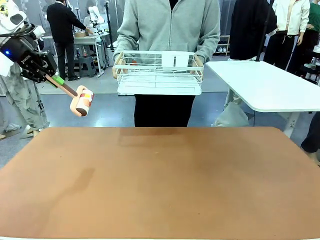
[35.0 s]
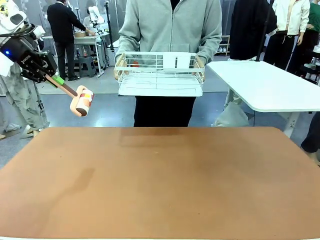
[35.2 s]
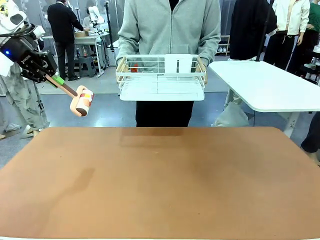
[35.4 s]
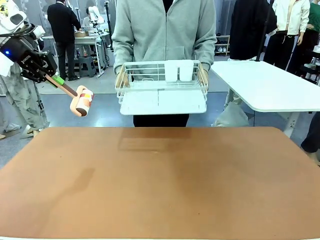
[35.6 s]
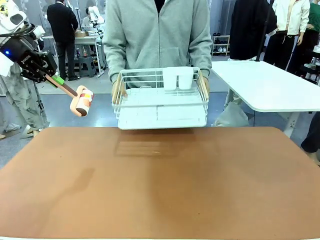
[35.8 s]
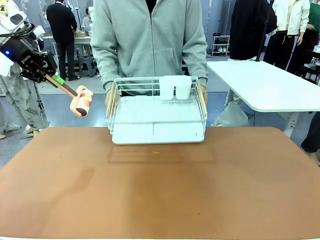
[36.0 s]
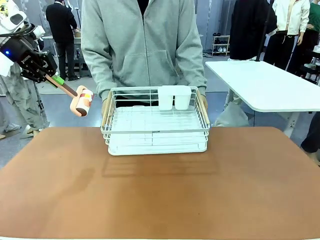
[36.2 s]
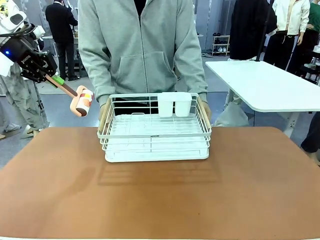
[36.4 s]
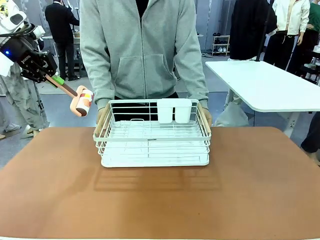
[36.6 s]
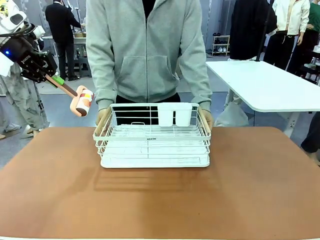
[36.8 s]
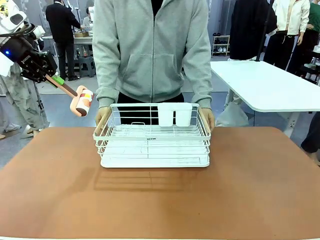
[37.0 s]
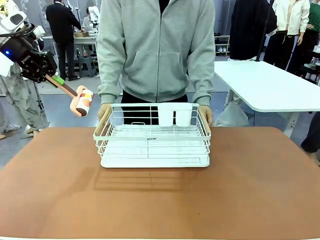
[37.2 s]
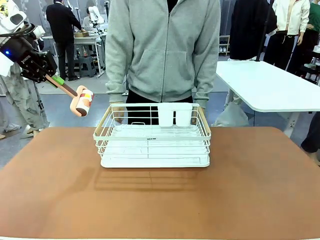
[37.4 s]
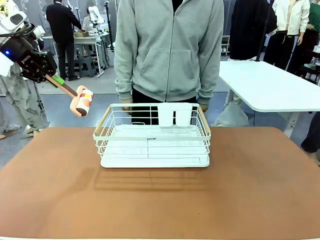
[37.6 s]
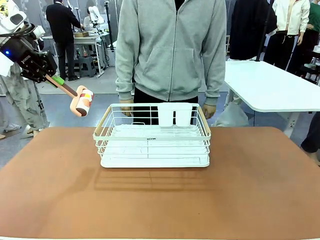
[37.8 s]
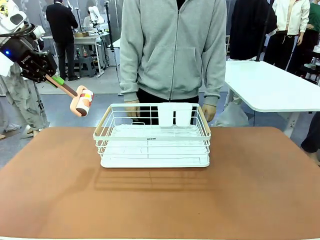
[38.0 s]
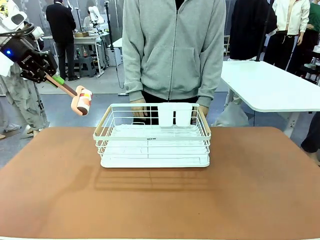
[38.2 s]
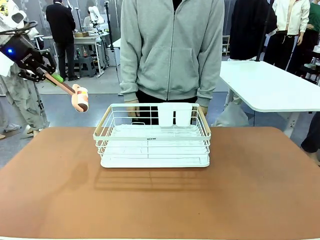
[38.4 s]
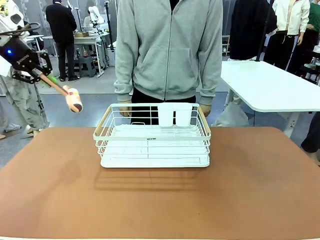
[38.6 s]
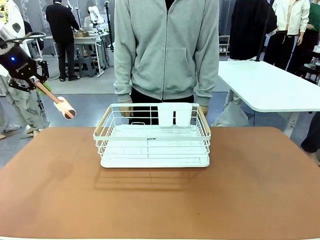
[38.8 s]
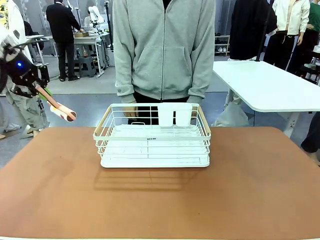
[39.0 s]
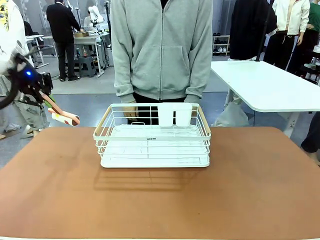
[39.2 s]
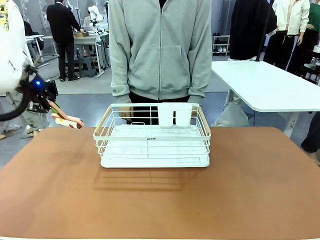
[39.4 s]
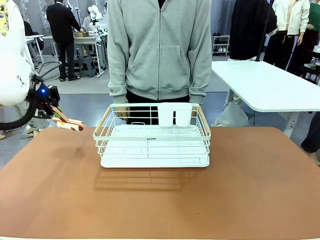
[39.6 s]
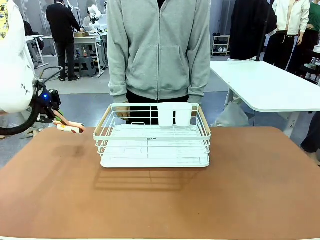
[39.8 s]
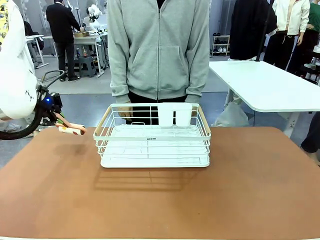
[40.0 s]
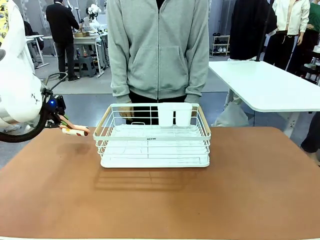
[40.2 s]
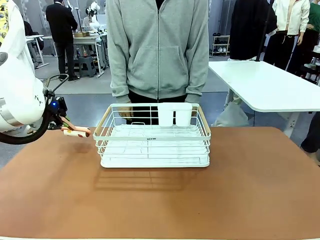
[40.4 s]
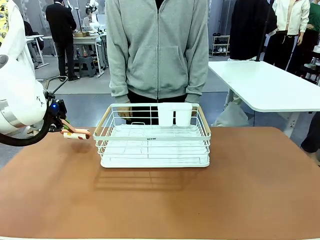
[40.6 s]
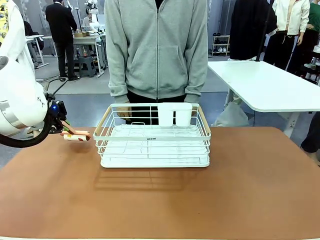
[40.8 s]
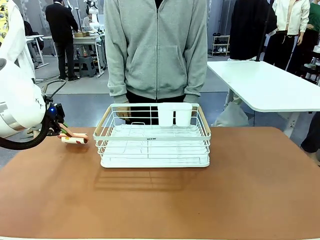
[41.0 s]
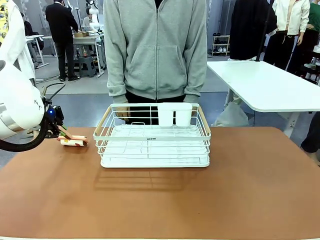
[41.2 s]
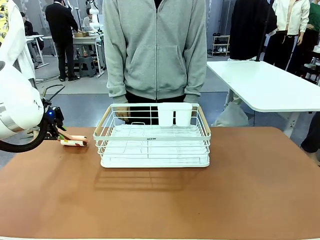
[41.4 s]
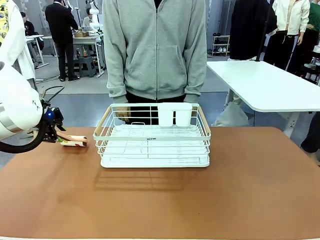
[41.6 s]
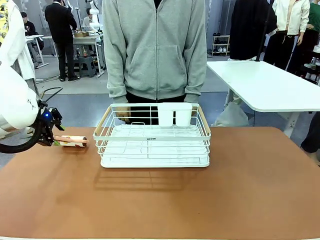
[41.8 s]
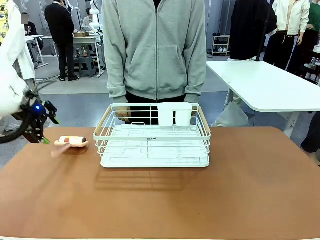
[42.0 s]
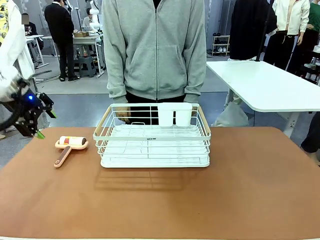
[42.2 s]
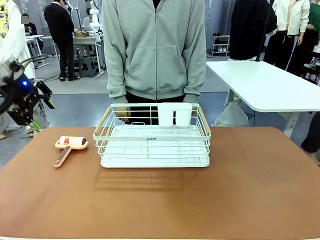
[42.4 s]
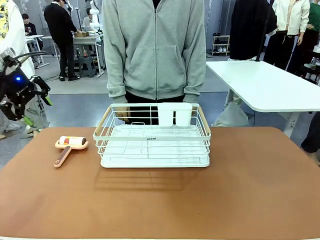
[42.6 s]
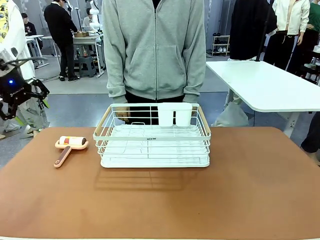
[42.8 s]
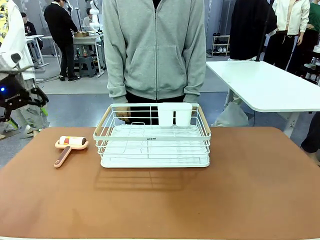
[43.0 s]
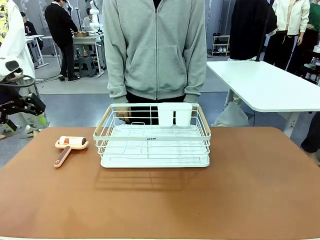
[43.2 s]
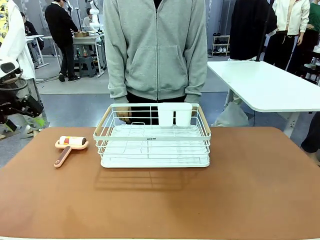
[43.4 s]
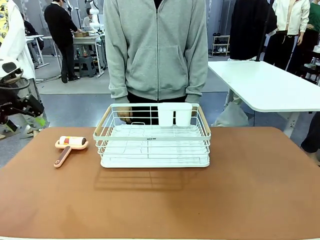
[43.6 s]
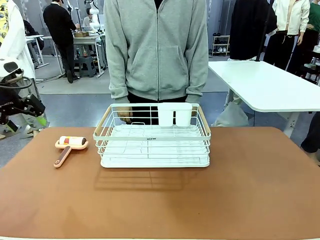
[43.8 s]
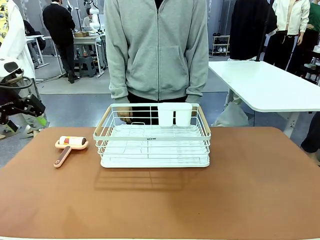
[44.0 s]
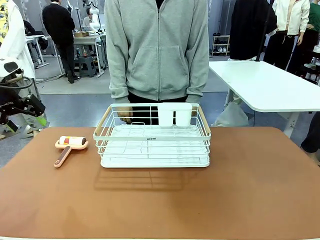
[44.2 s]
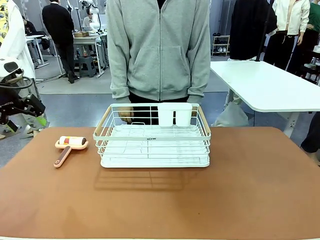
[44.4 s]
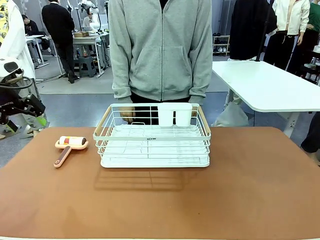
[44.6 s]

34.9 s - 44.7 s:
Task: Clean the table.
Robot: Place the Lint Roller down when the Dish drying rack is positioned in the middle of the table.

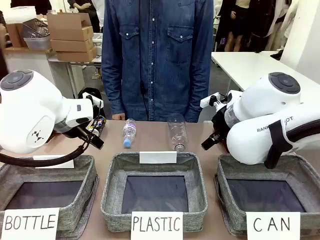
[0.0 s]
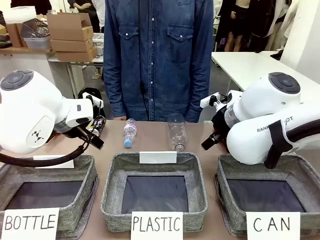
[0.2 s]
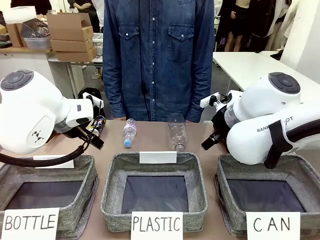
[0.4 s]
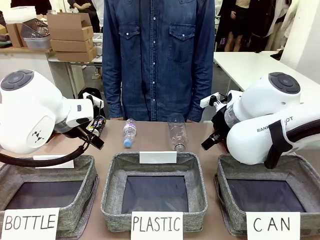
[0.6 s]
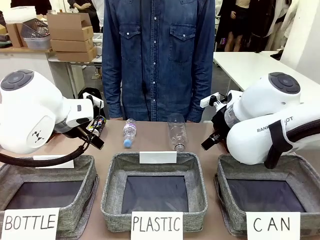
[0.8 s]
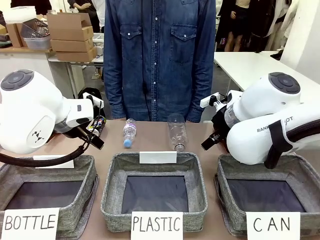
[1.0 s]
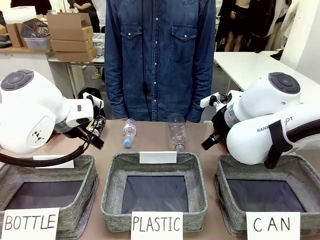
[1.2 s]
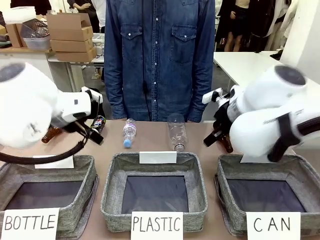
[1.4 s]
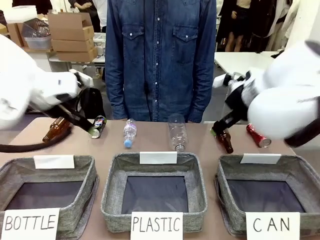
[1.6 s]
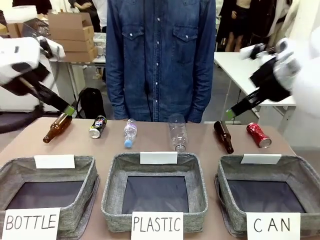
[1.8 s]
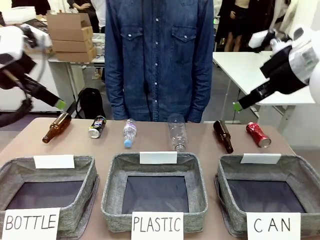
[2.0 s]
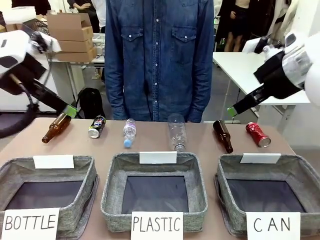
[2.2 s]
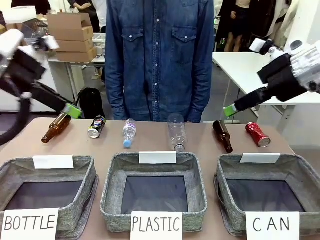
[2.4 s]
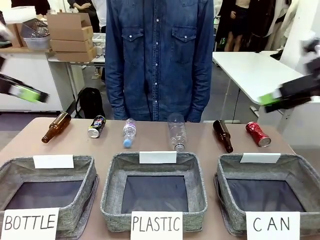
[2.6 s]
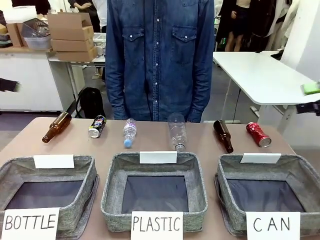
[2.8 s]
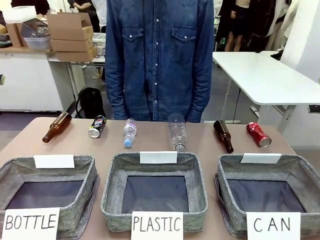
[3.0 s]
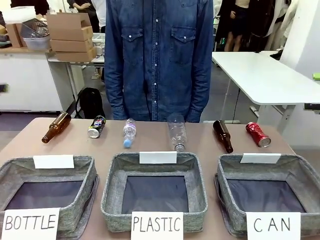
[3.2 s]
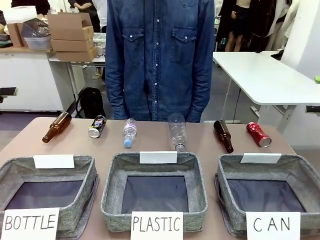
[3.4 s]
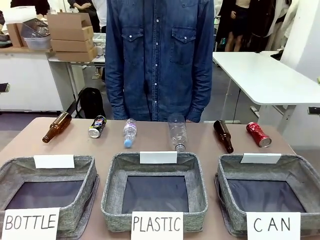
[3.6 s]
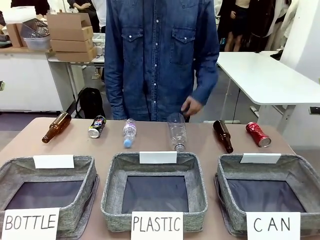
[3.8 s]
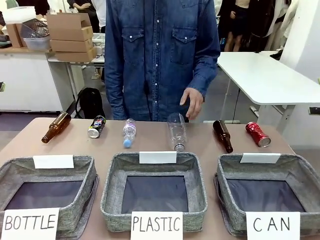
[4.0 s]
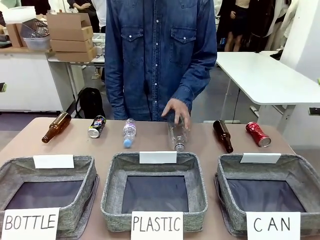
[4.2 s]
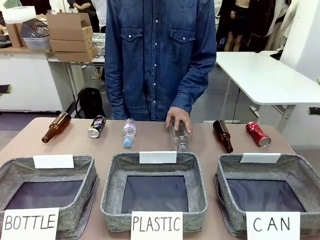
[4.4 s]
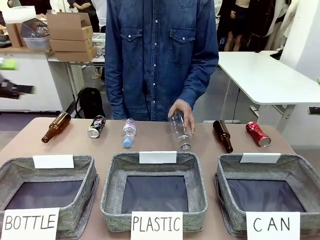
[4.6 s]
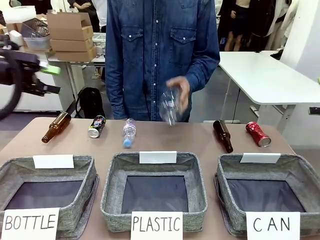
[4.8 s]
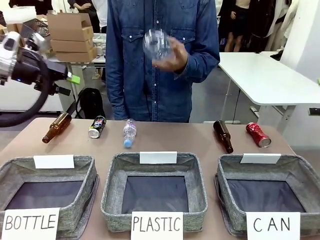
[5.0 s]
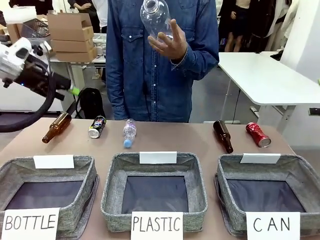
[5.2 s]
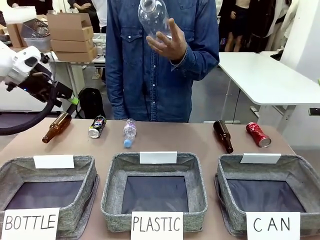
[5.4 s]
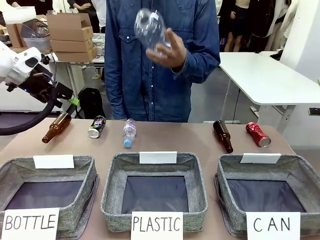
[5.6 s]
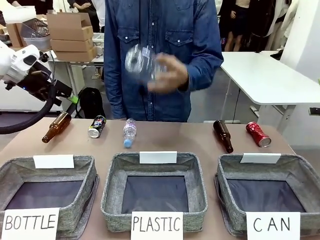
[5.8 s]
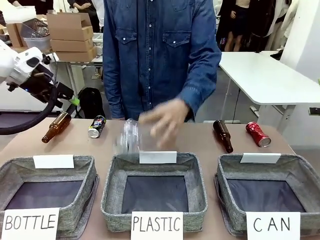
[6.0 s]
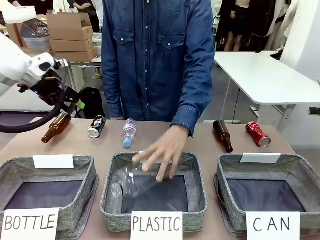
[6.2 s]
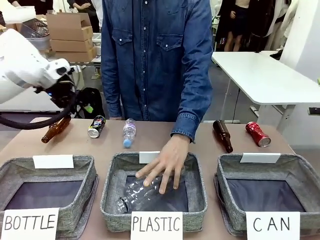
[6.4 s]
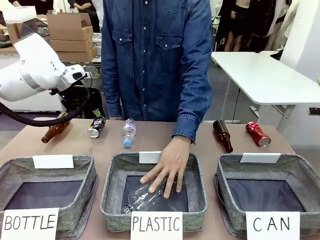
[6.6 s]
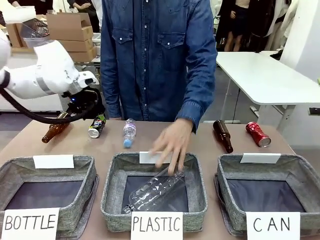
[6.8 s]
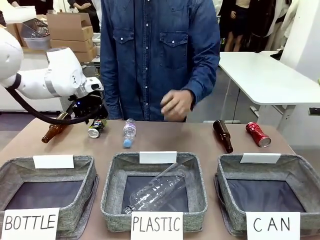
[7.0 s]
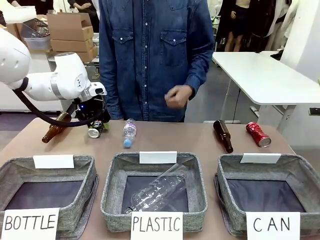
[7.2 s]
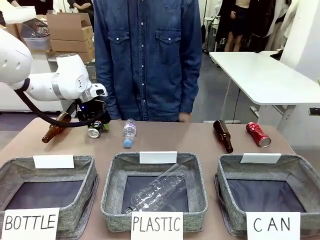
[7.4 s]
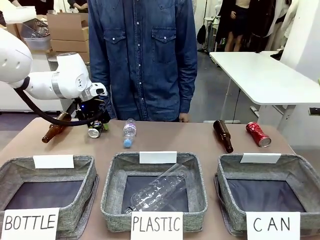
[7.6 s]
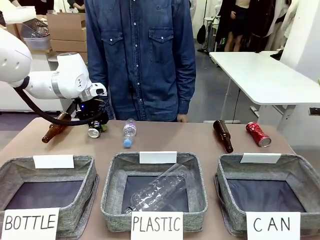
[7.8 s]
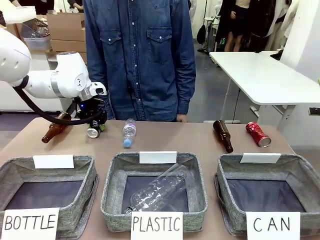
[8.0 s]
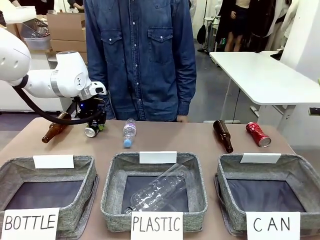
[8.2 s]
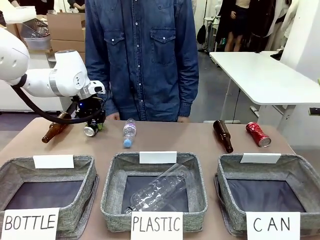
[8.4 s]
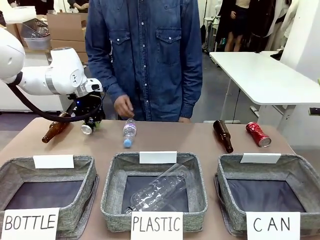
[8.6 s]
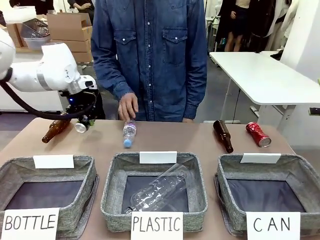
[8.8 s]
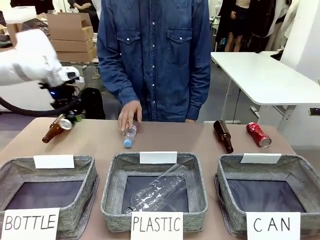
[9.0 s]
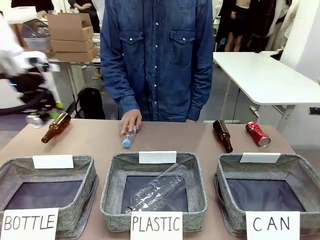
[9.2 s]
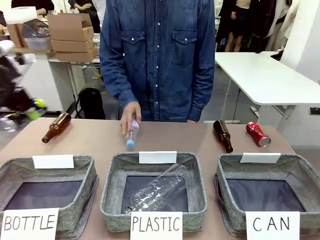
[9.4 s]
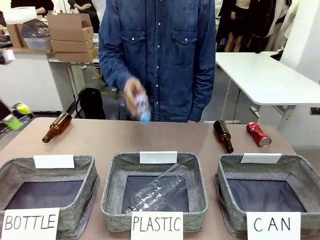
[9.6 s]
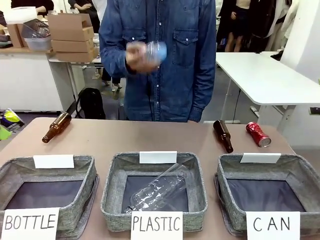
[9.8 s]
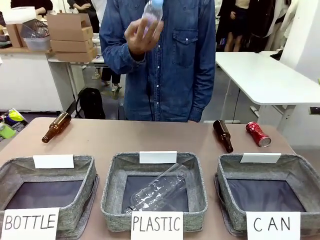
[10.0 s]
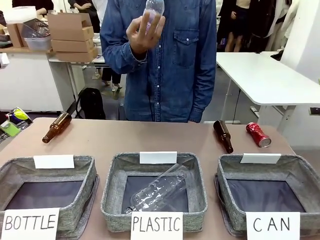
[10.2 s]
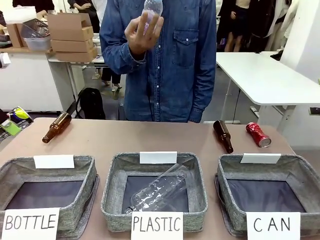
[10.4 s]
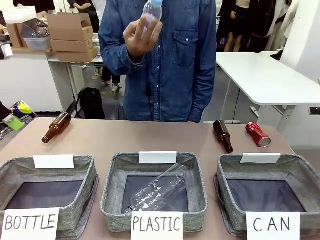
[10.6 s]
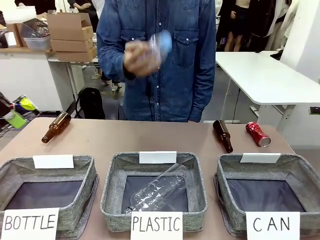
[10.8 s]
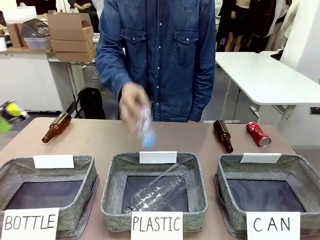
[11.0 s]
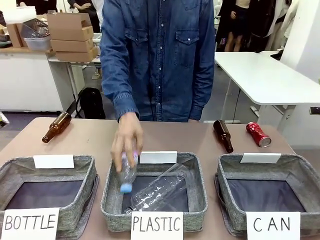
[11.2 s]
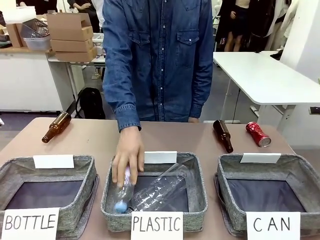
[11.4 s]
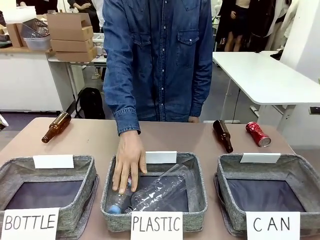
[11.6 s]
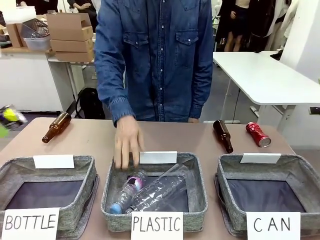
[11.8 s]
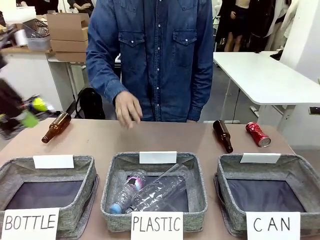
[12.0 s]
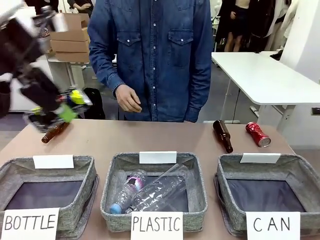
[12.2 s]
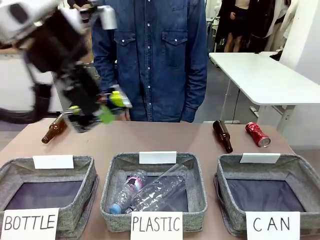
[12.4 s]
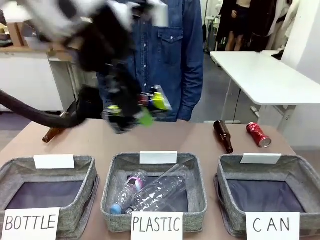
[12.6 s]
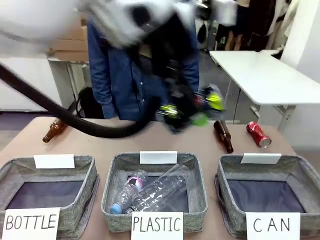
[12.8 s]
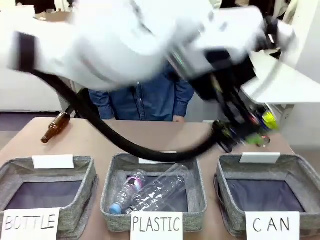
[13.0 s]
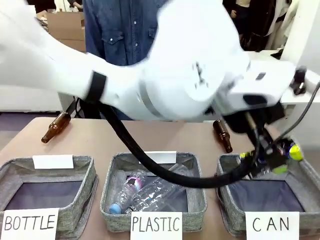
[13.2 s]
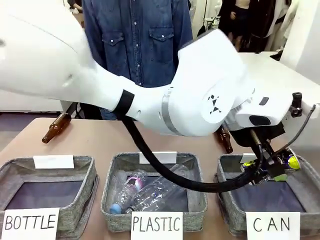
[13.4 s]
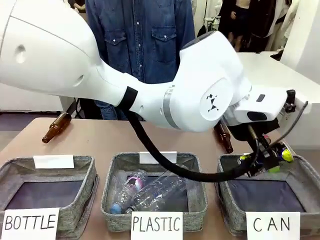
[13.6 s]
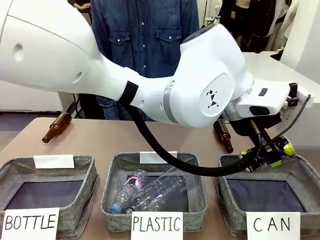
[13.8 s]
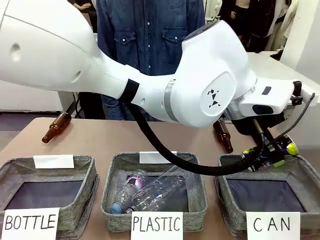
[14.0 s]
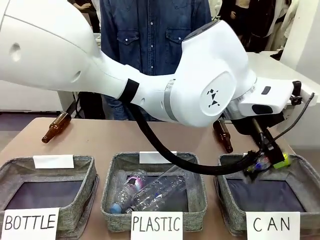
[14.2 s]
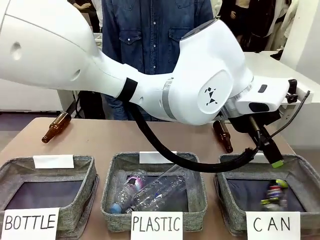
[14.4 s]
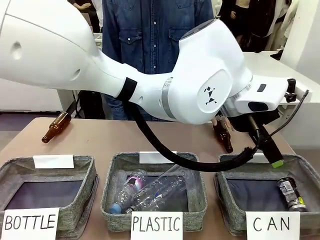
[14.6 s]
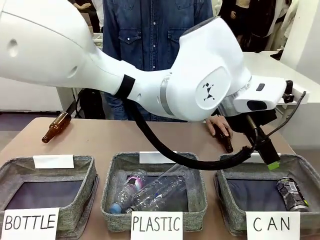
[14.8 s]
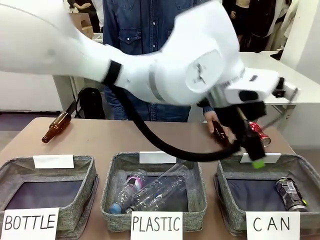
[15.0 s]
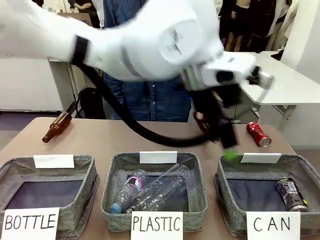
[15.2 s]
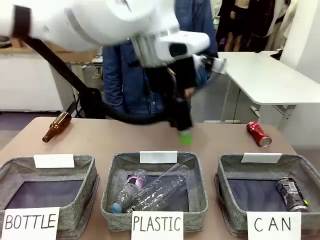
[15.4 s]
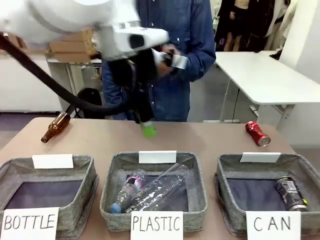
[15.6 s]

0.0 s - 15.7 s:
Task: Sort the can waste into the basket.
Robot: Pick up the can waste from the table and place it in the right Fabric basket.
